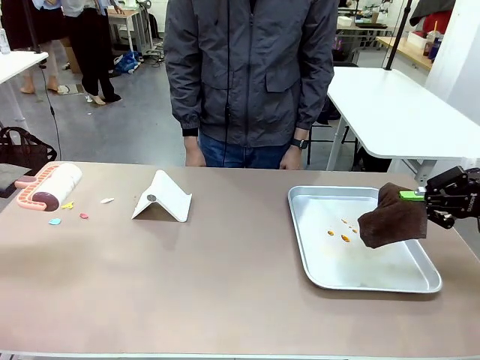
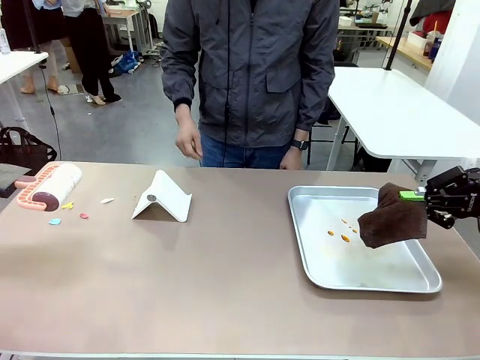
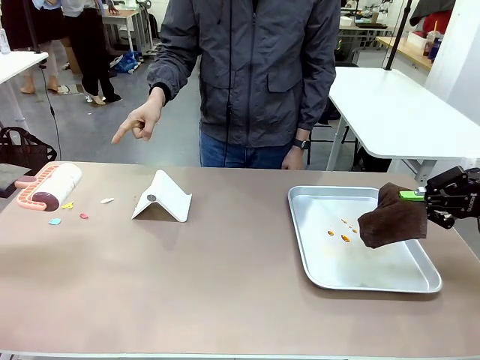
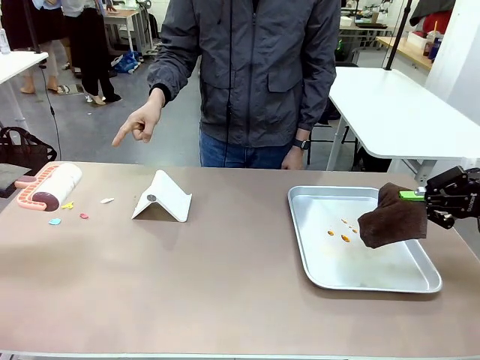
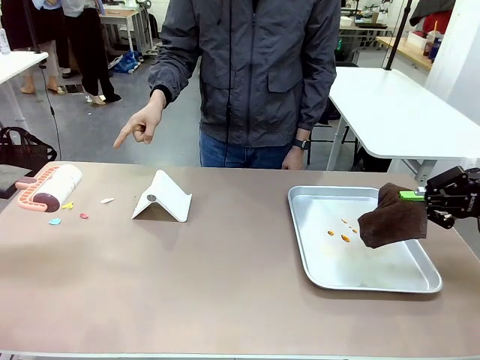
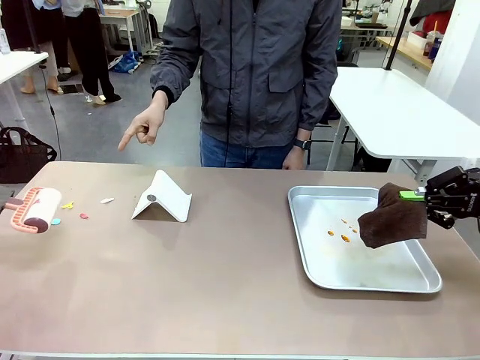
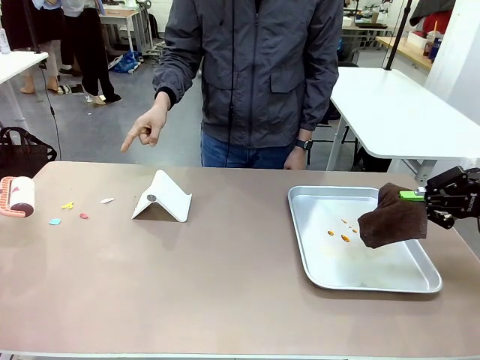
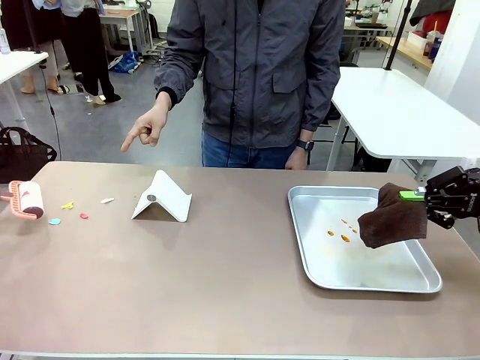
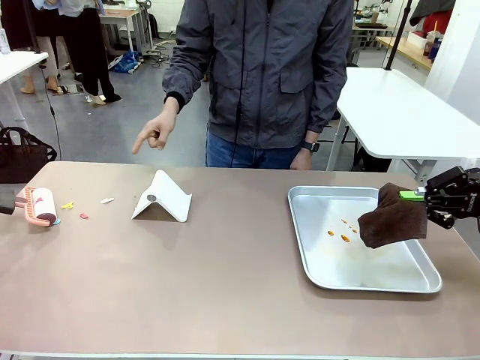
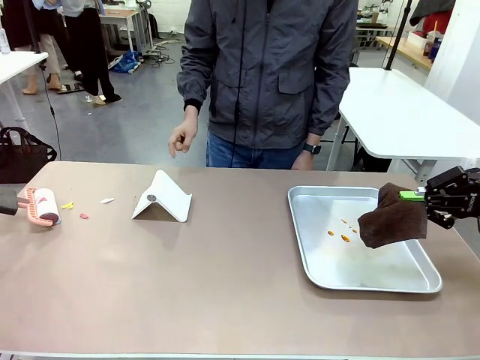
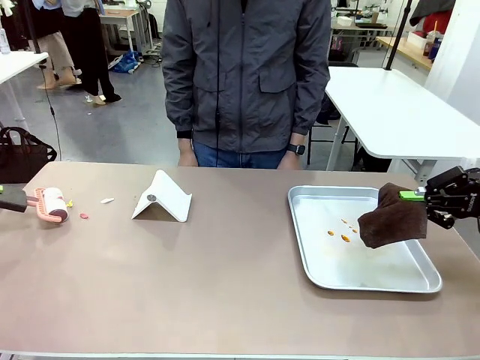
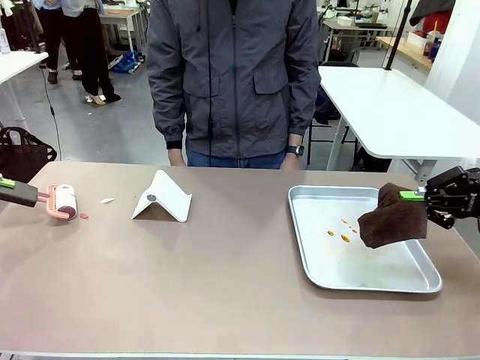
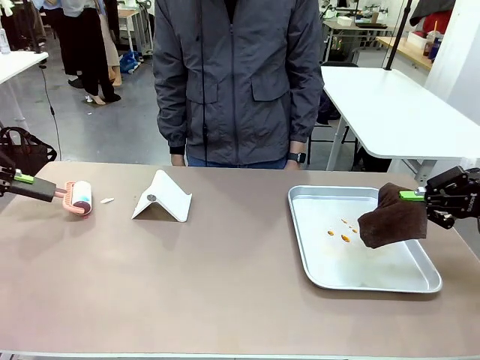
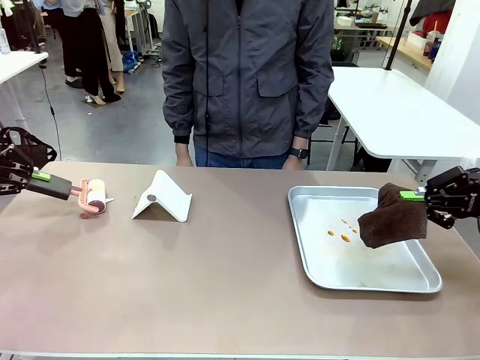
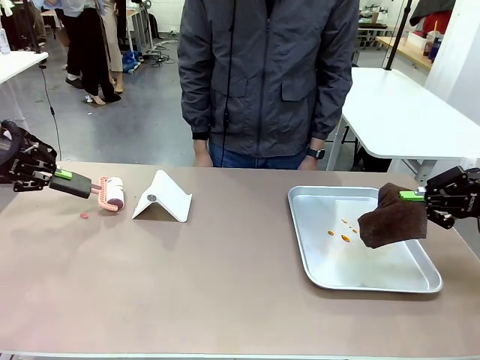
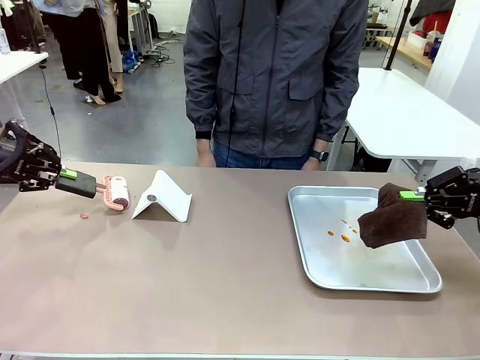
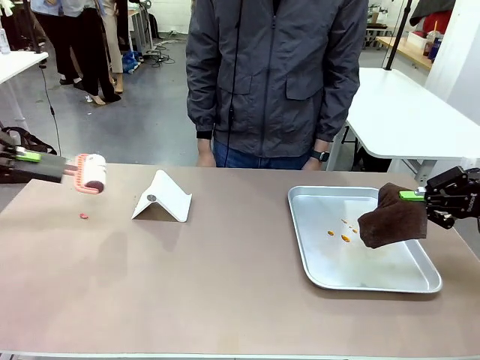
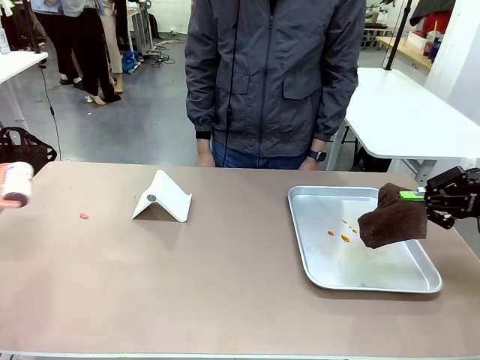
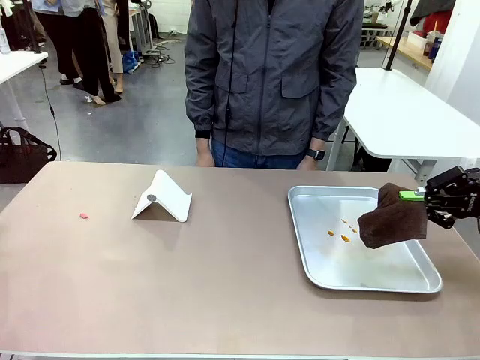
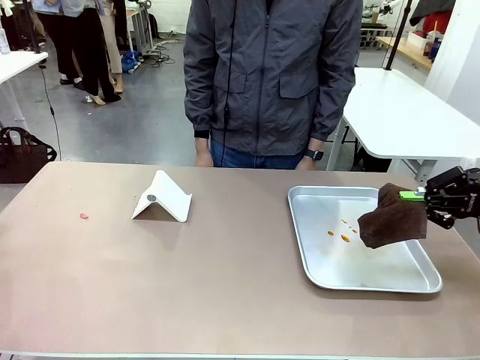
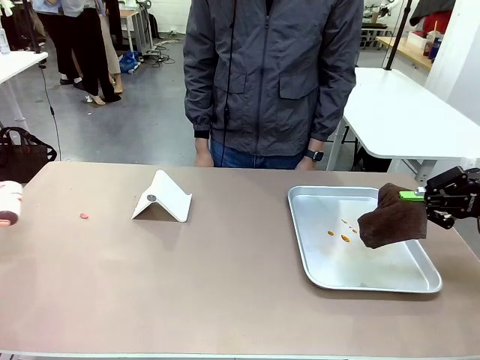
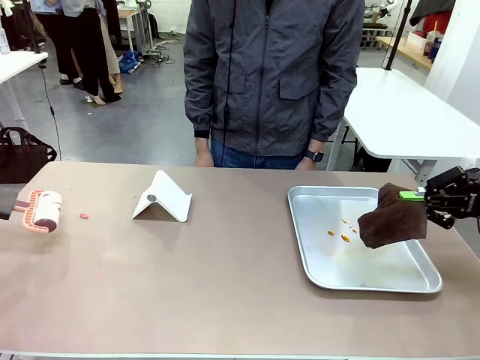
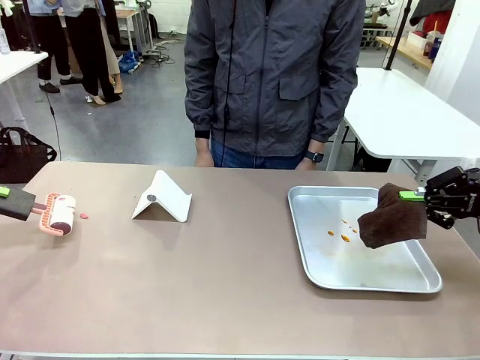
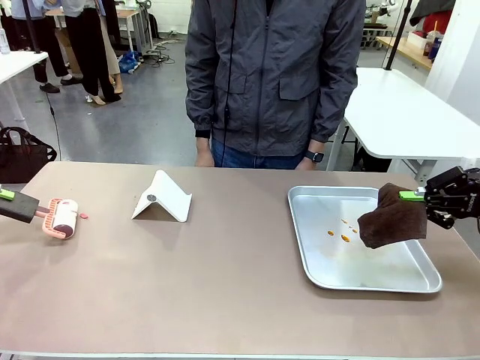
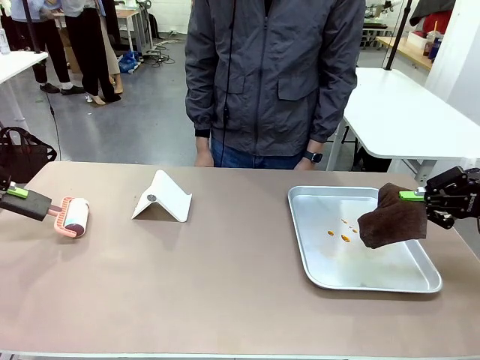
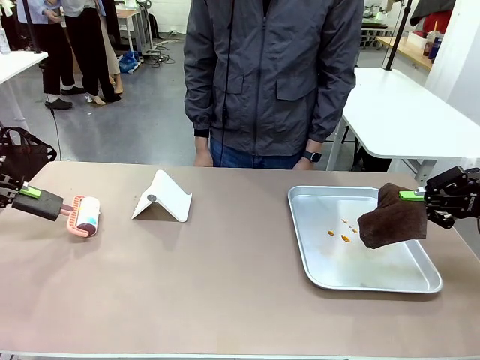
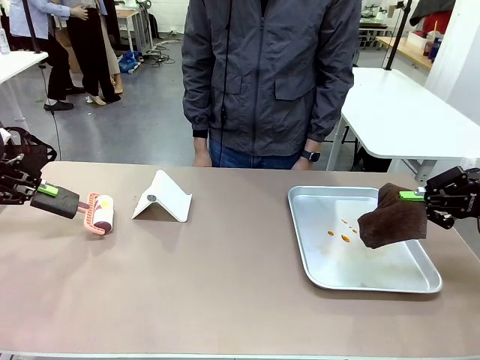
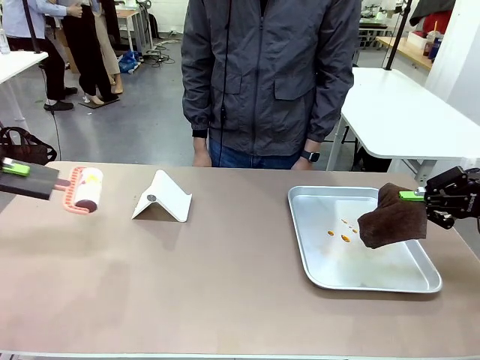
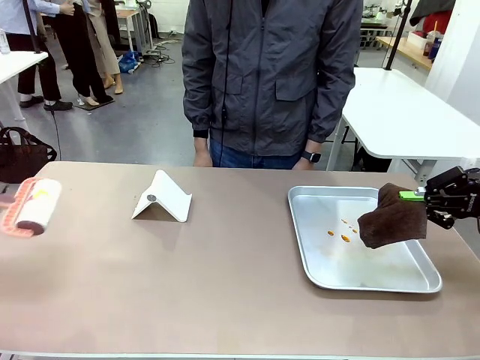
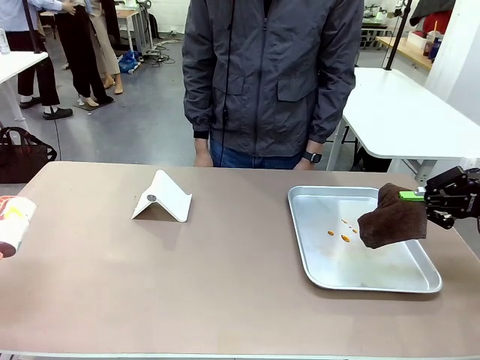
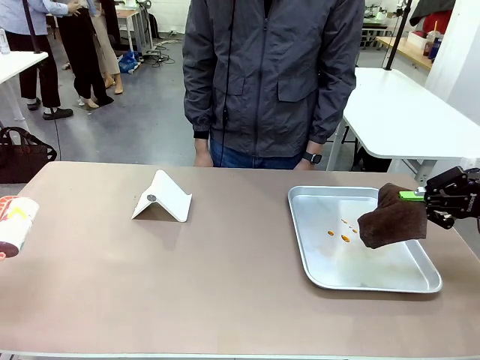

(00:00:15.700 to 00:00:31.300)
Task: Clean the surface of the table.
Robot: If a person points to the right, clean the right side of the table with your right hand, and if they point to the left, clean the left side with your left hand.

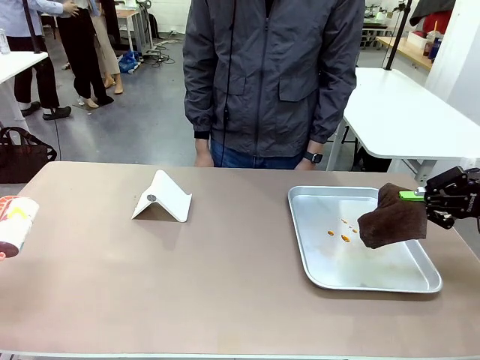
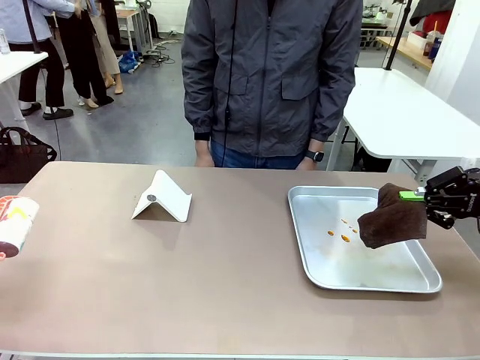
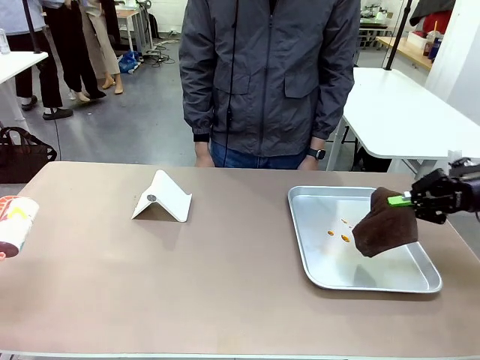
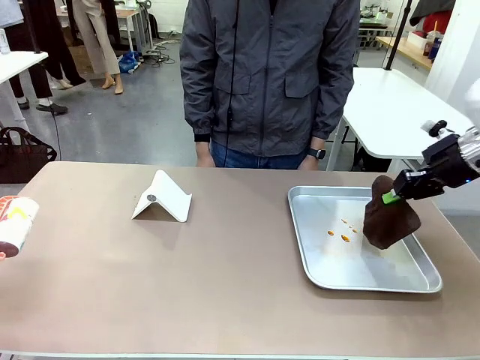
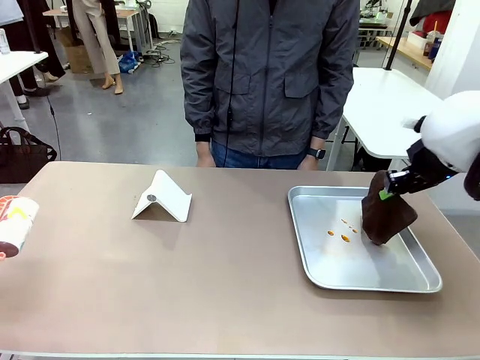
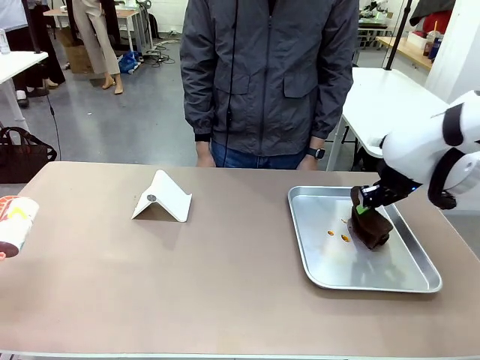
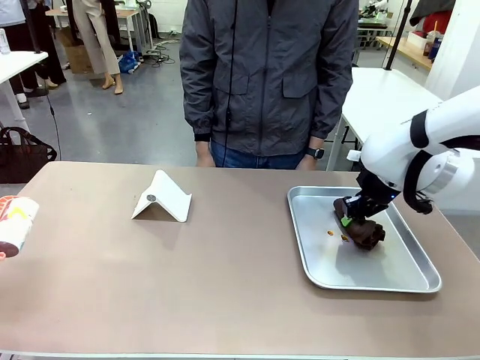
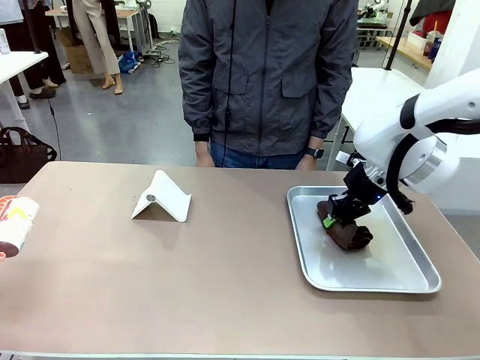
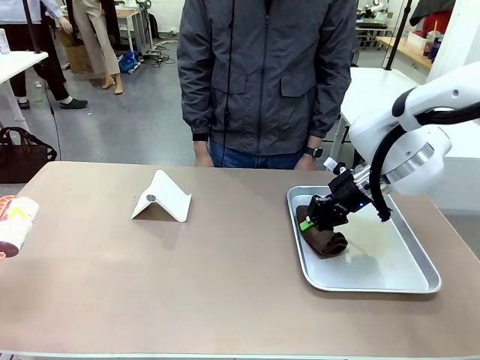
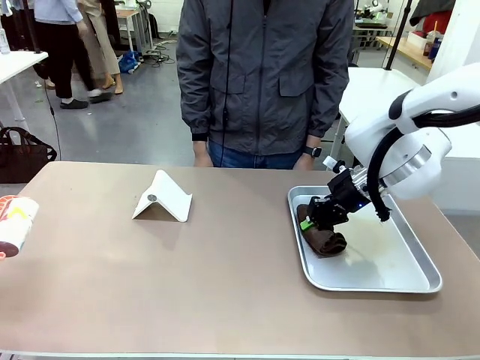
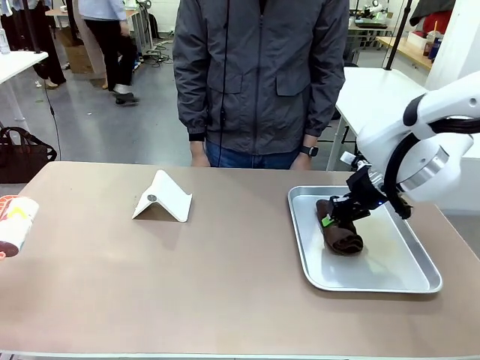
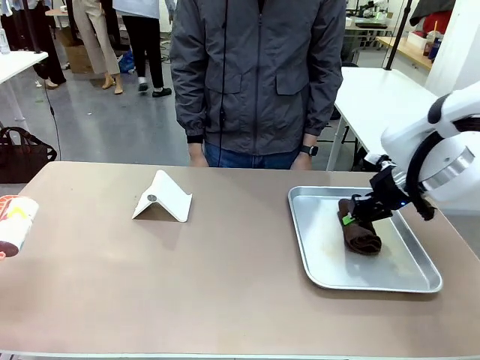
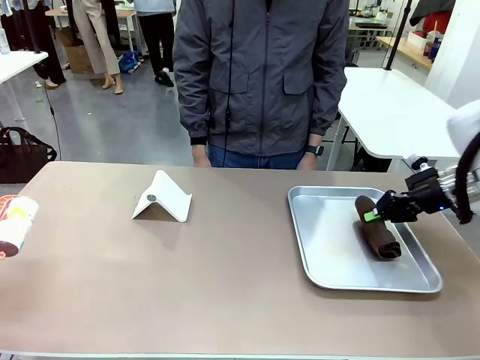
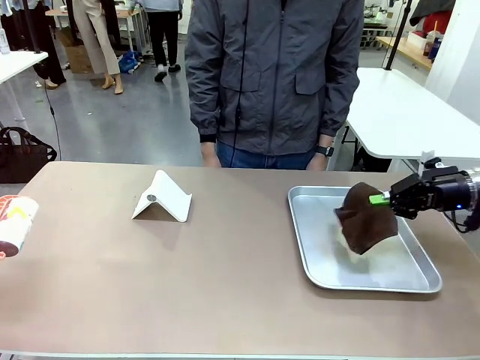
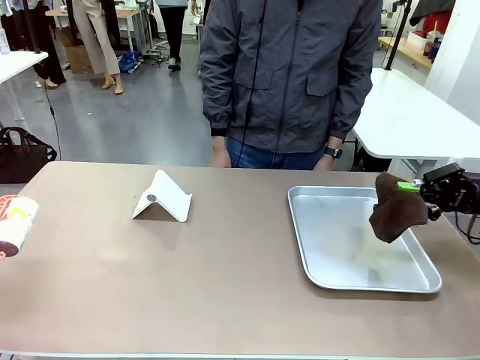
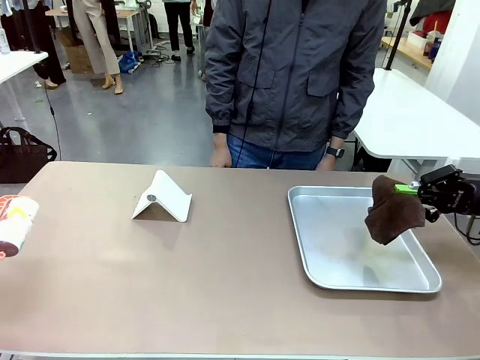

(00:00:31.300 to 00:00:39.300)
Robot: Clean the area not pointed to by the person.

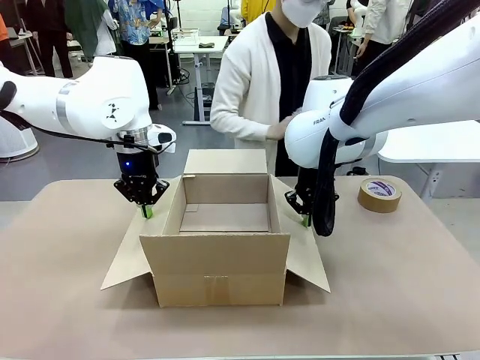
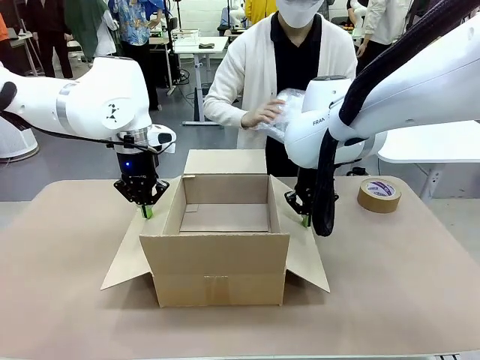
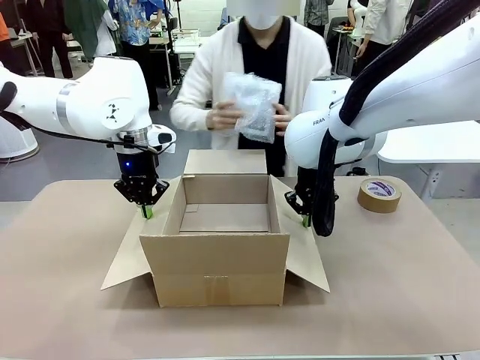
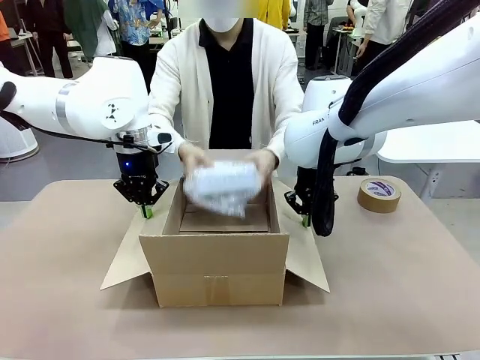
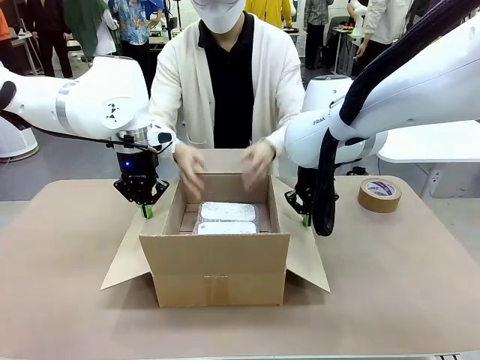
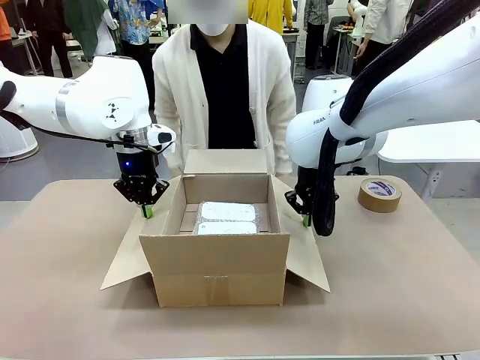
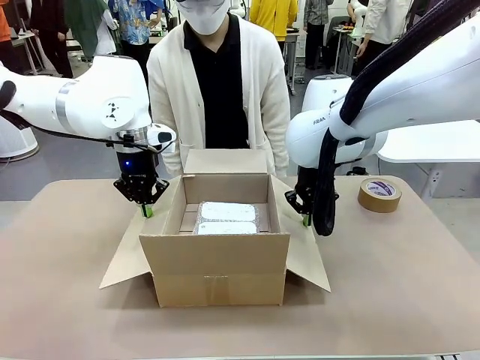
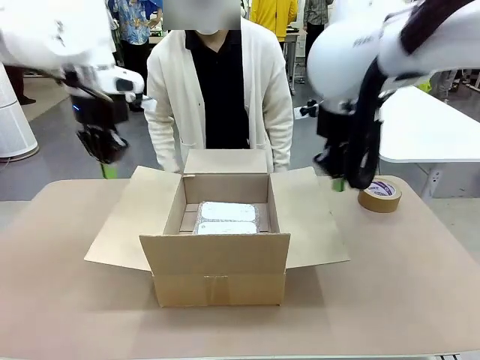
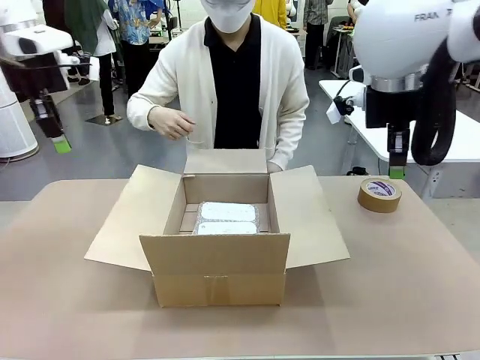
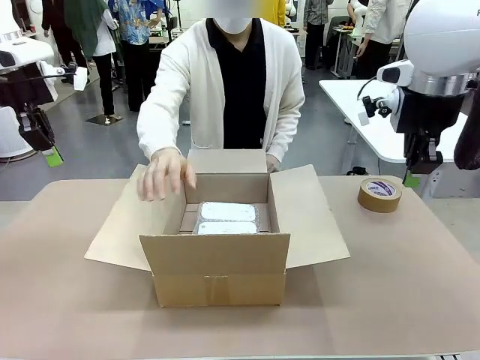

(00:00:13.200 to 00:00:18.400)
Task: Wrap the clocks to prevent damage.
Robot: Once the human has placed the objects inside and stepped back, release both hands from the side flaps of the Package Box.
Person: Place the wrapped Digital clocks inside the Package Box. Hold the top and bottom flaps of the Package Box closed with your left (or right) hand.
